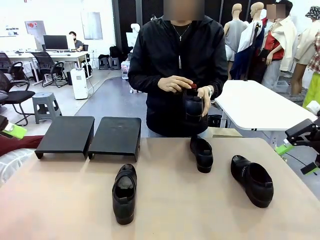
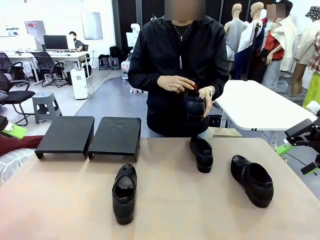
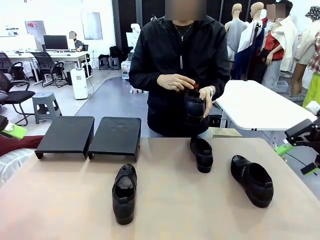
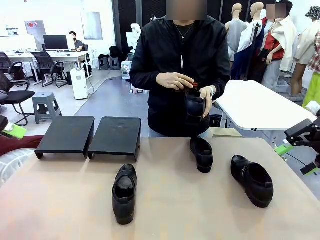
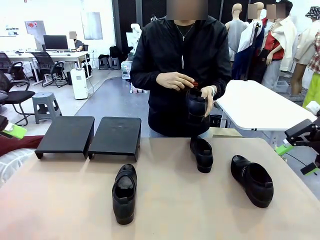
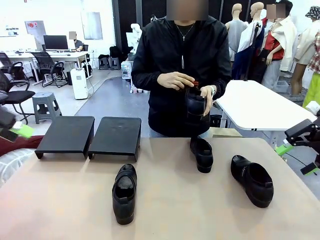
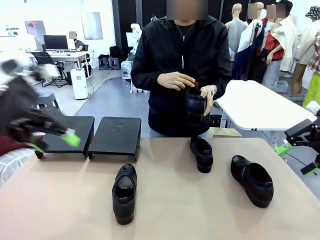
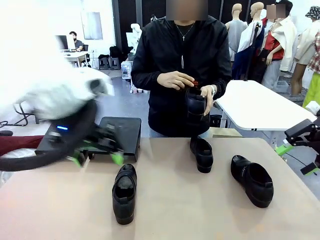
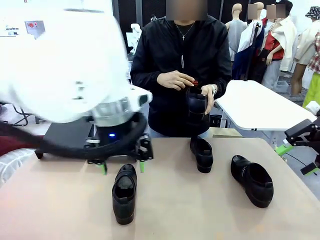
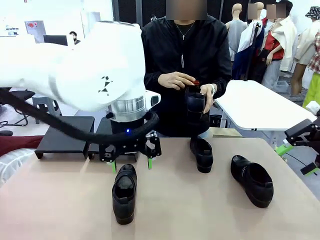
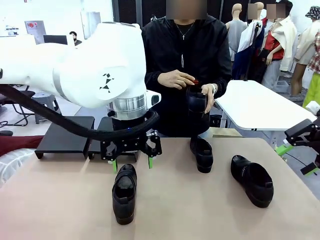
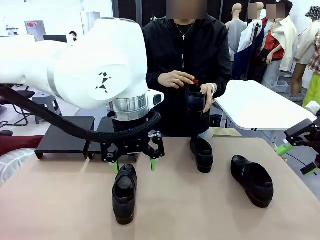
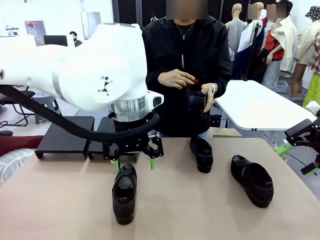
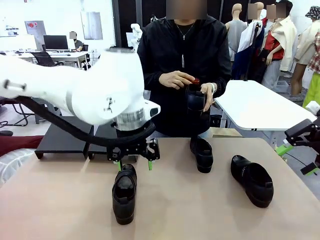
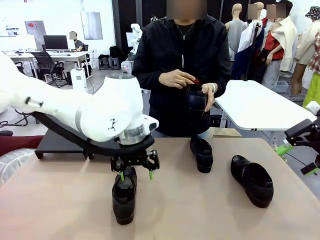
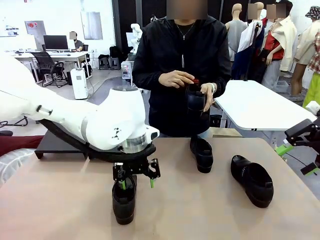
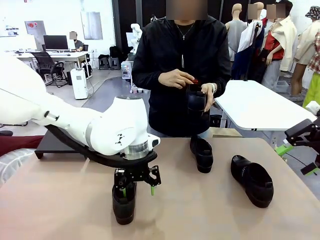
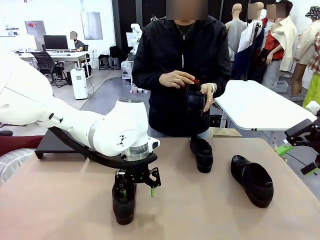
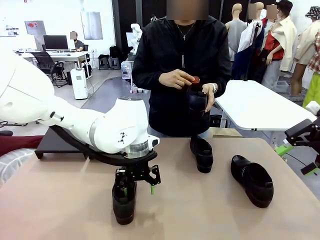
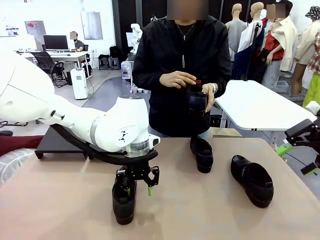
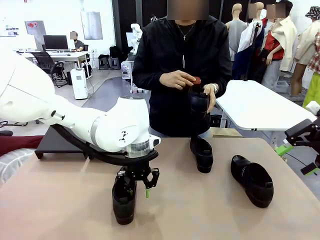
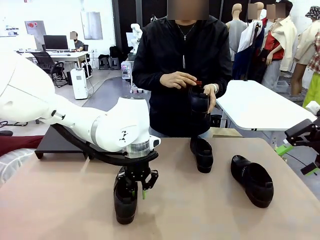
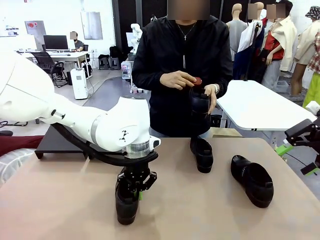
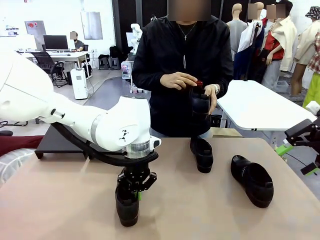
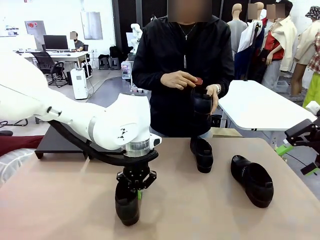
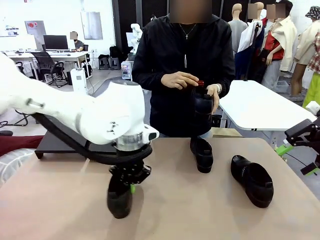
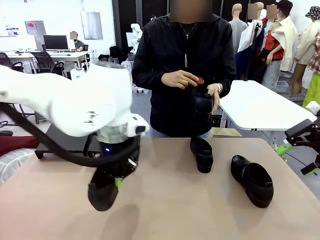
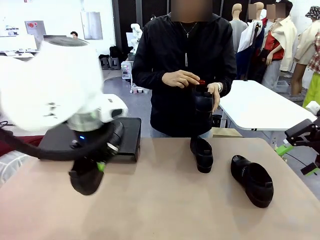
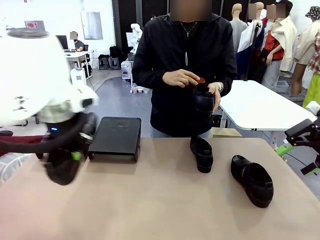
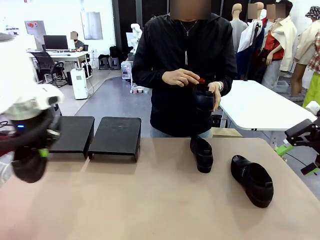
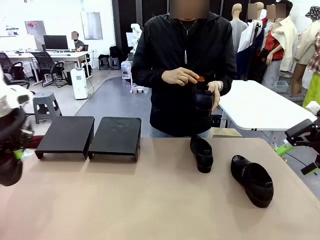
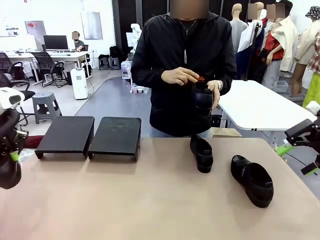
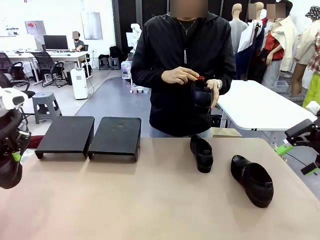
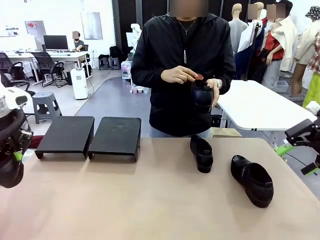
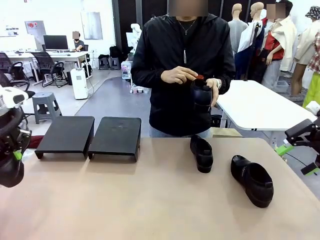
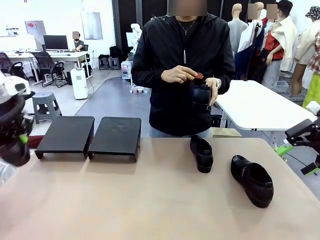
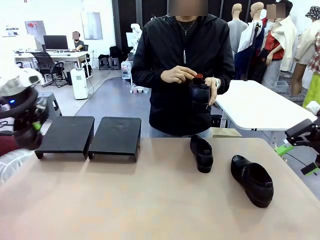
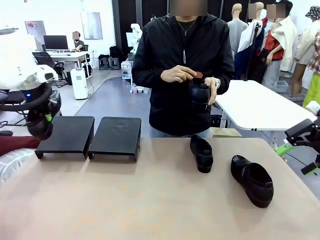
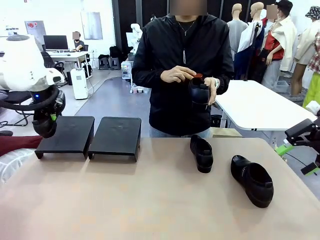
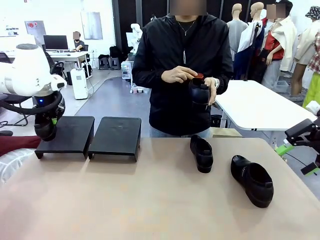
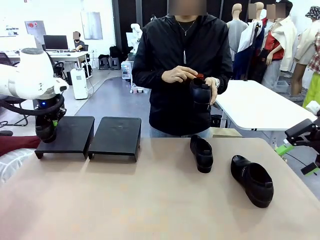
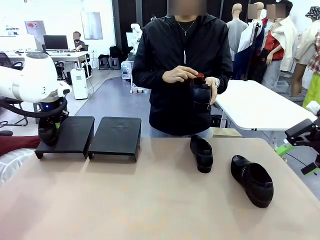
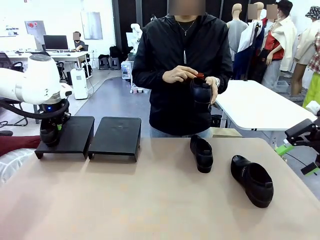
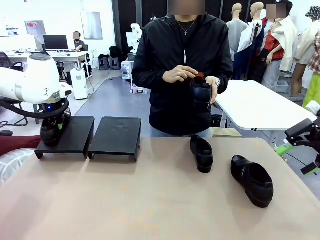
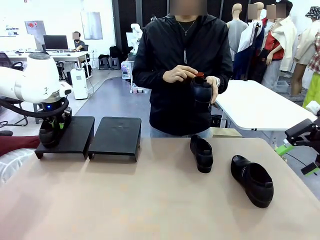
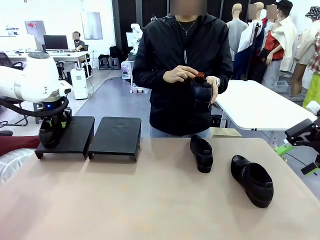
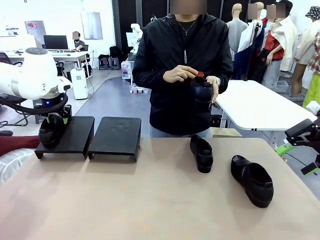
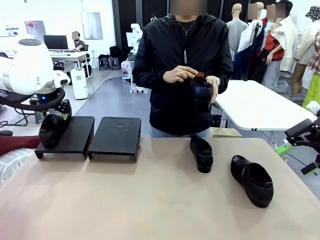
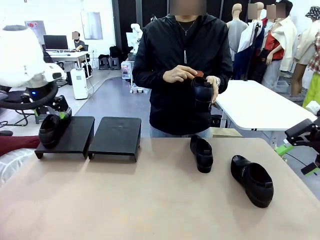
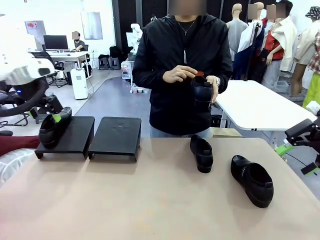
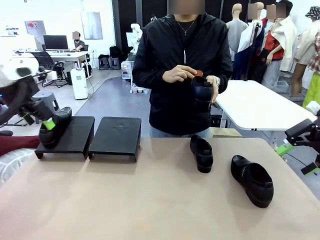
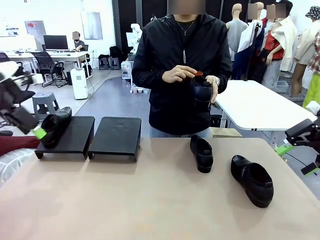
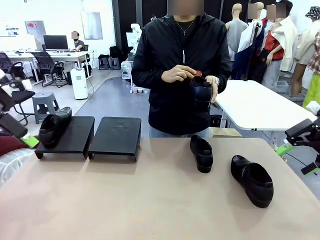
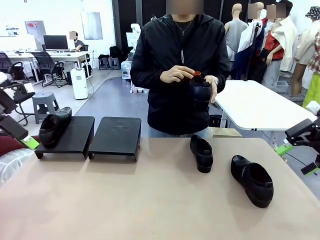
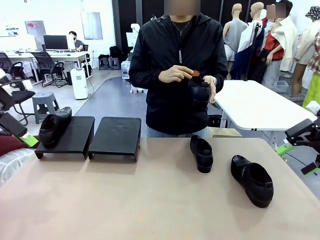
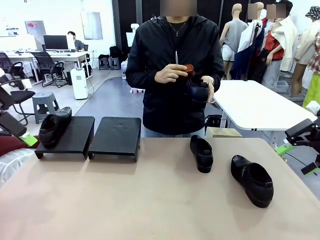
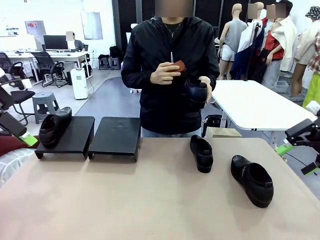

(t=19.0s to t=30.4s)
Task: Organize the shoes by placing them on the stand.
Robot: Place the Shoe from the middle of the table onto the Shoes Stand.
Person: Clean the Shoe with the Shoe Brush.

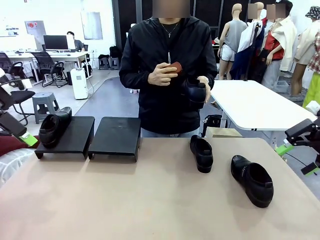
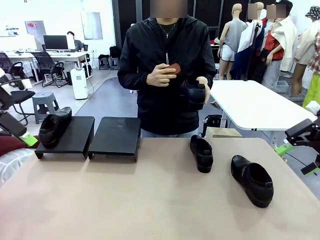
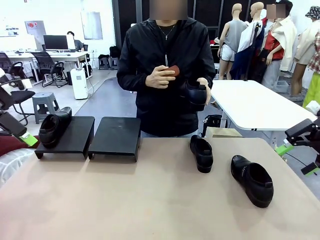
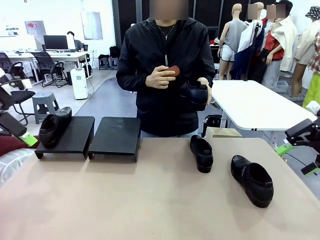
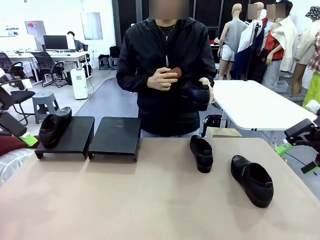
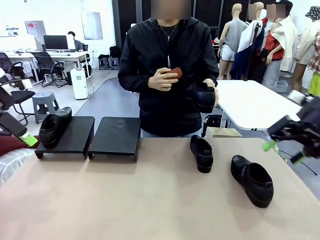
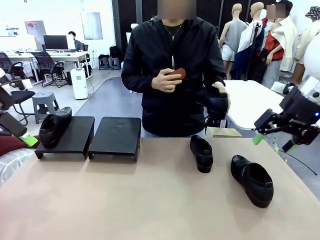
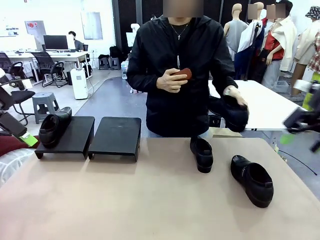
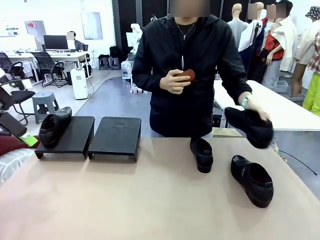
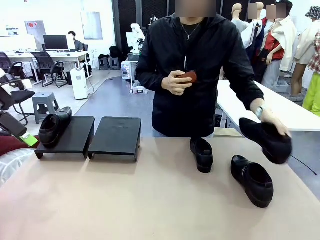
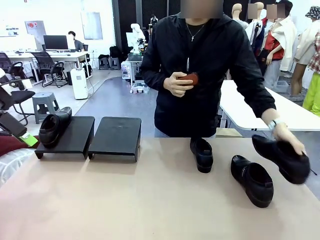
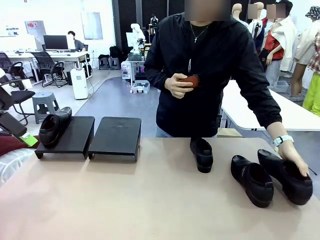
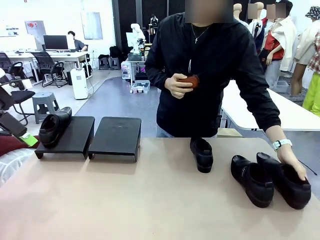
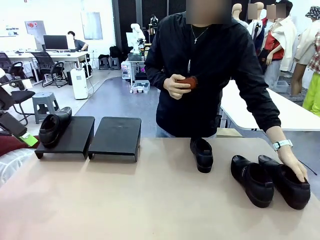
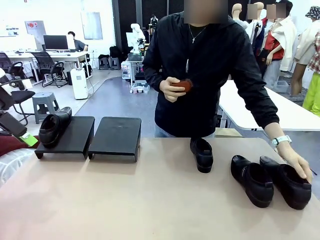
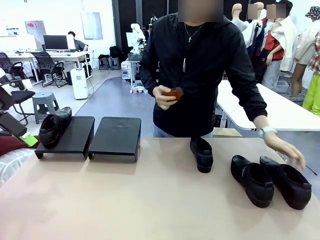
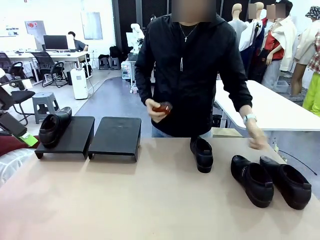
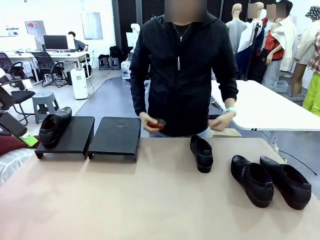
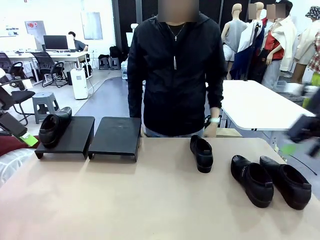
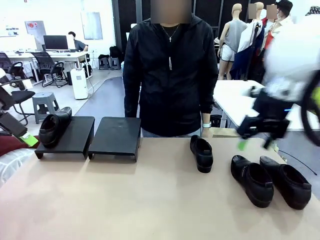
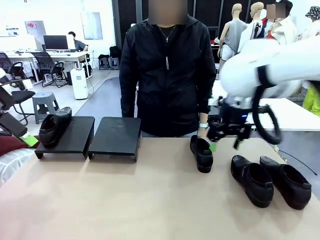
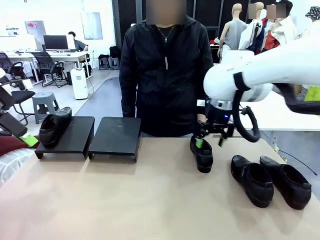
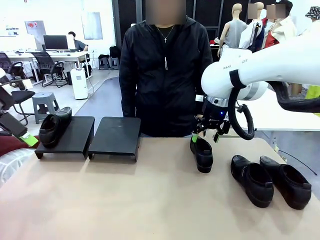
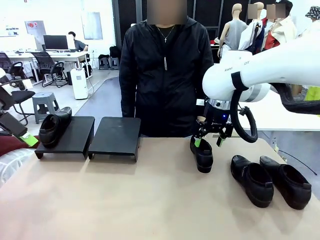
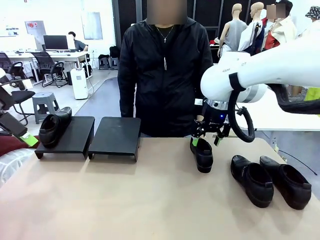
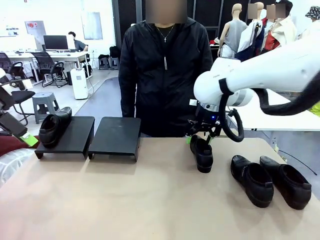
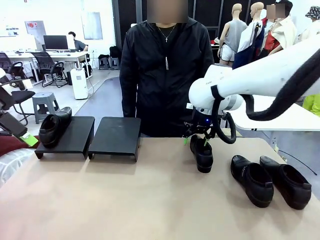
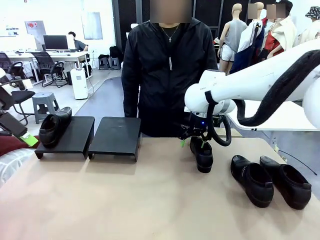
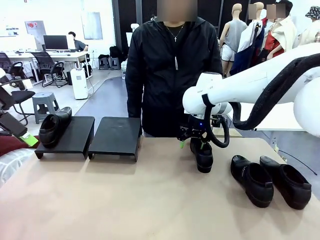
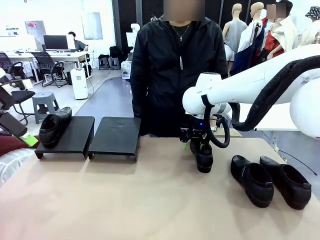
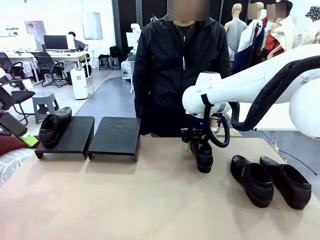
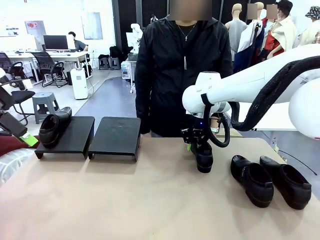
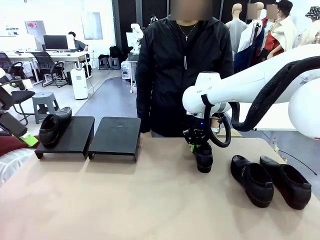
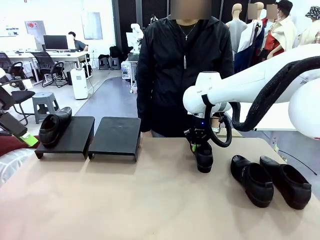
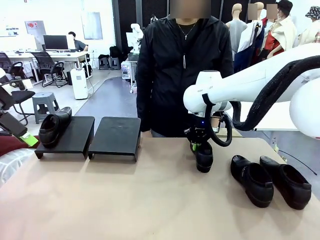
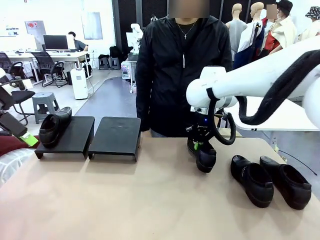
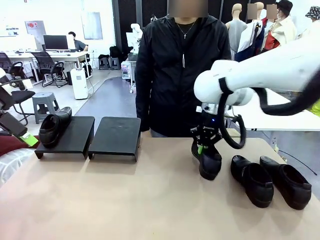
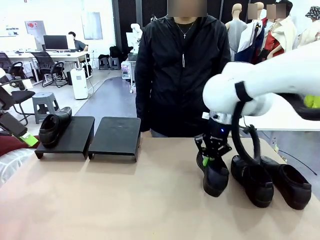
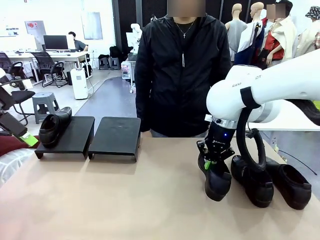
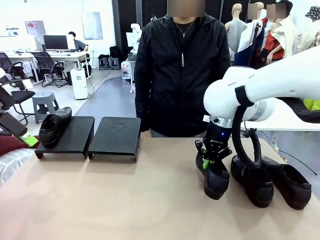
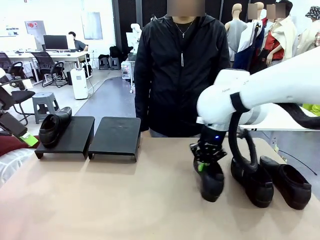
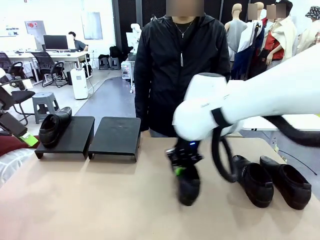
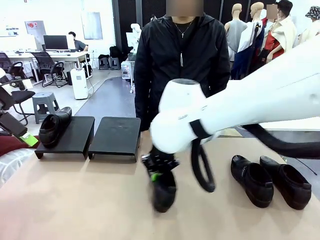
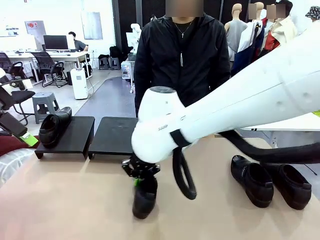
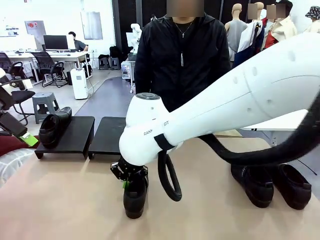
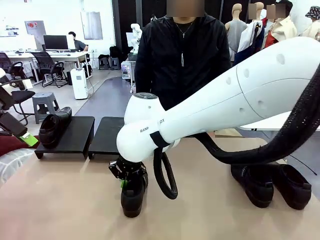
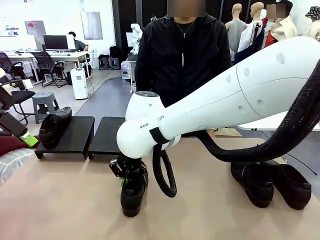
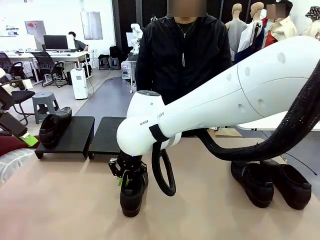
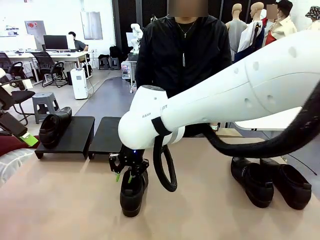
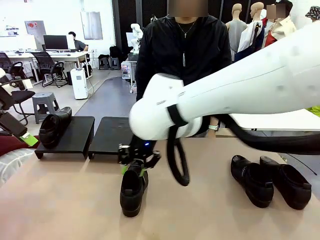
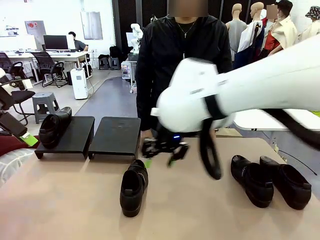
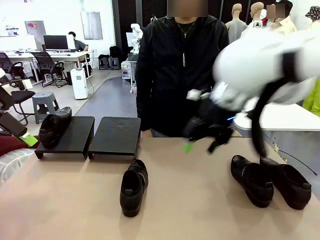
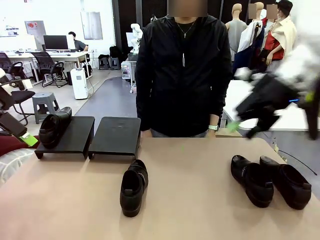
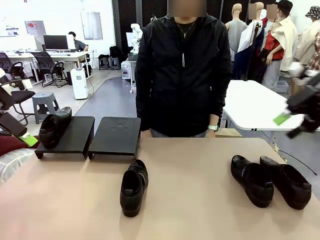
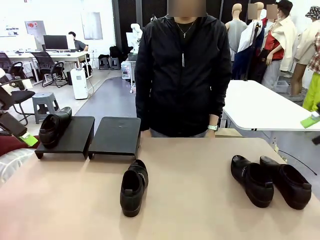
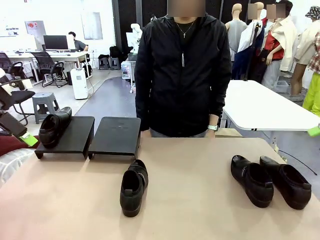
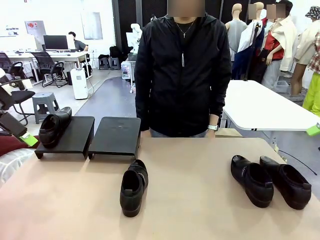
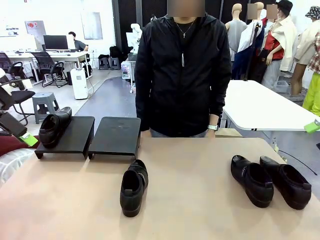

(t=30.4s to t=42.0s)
Robot: Pick up one Shoe and place it in the middle of the table.
